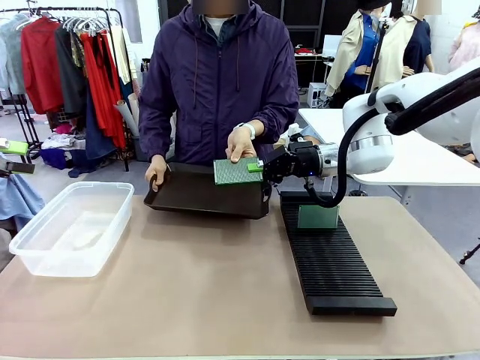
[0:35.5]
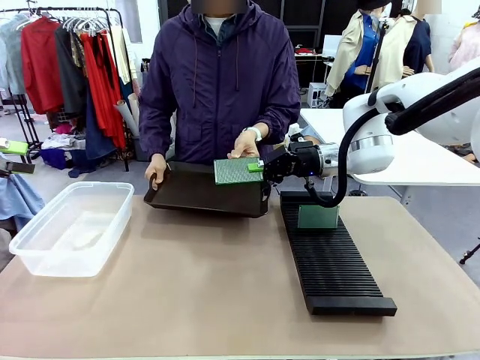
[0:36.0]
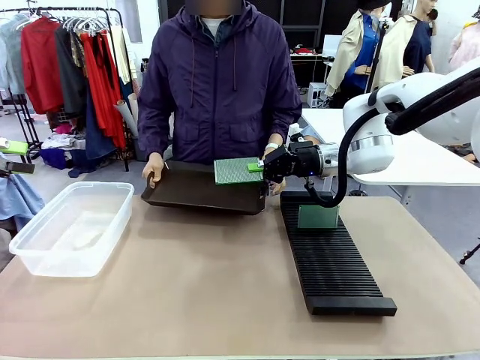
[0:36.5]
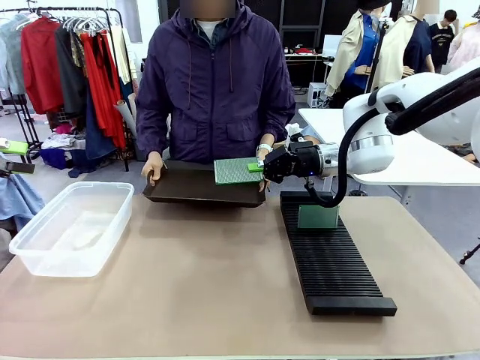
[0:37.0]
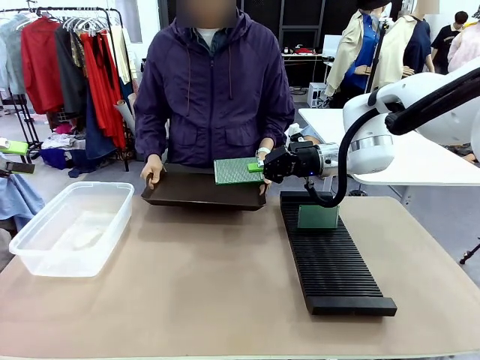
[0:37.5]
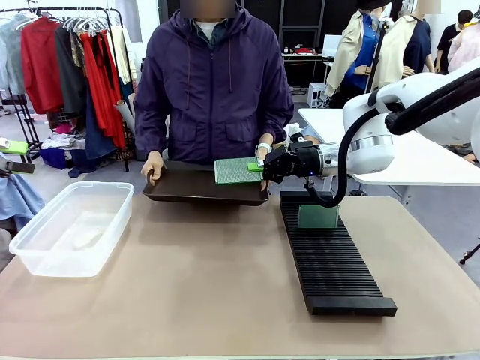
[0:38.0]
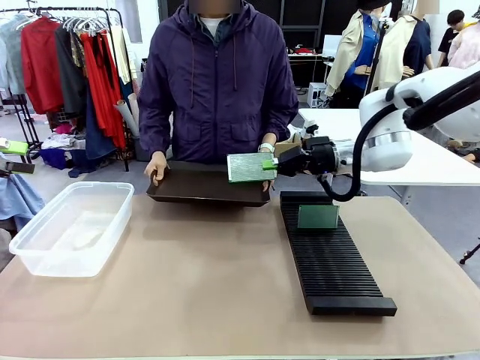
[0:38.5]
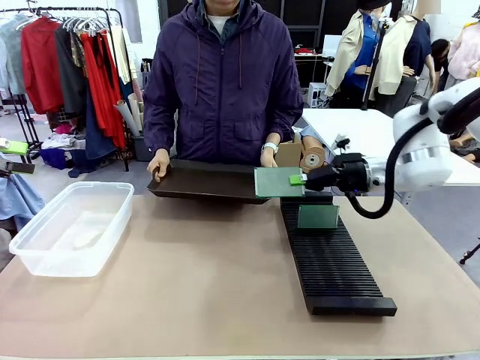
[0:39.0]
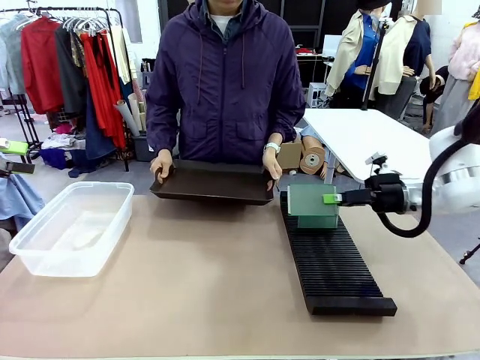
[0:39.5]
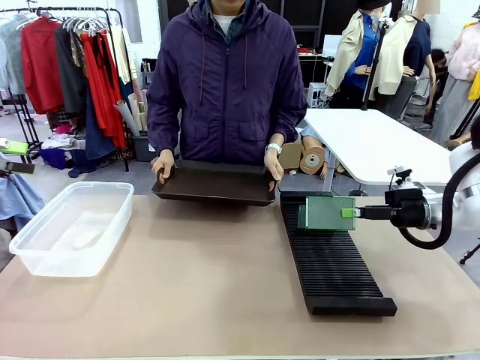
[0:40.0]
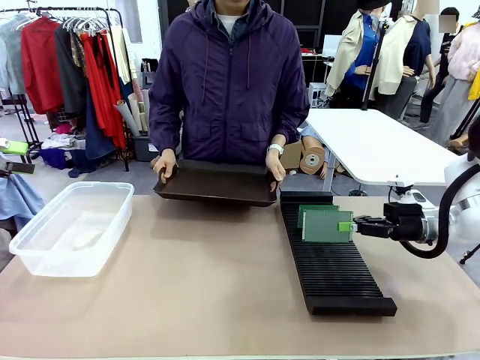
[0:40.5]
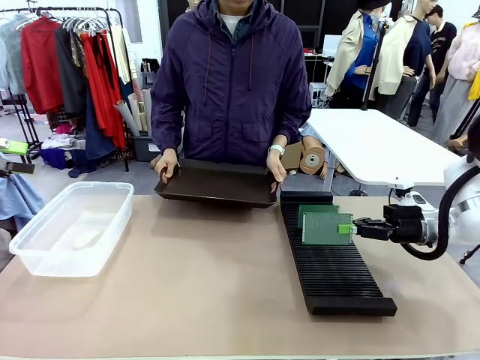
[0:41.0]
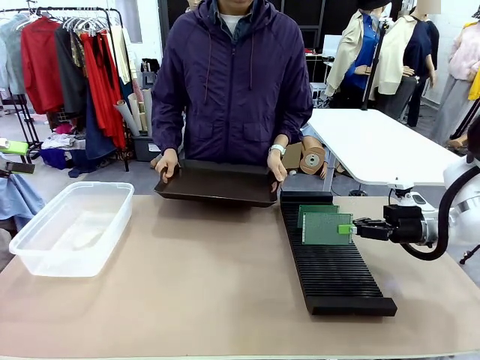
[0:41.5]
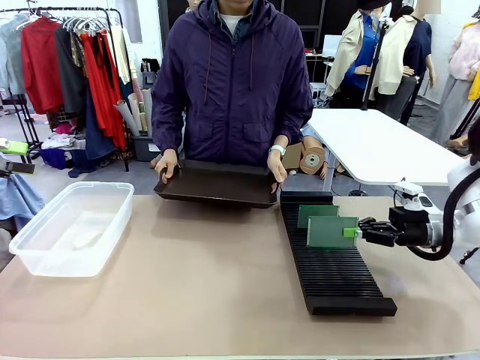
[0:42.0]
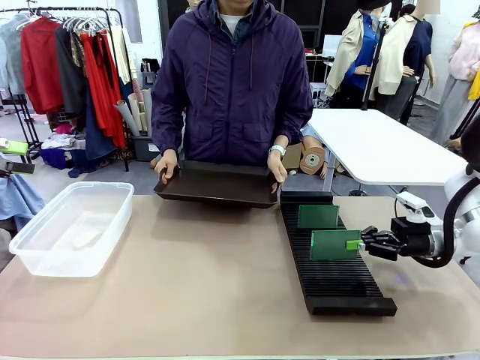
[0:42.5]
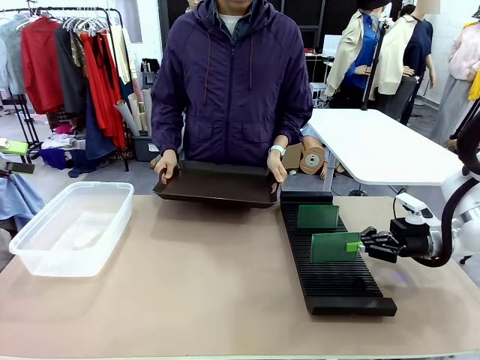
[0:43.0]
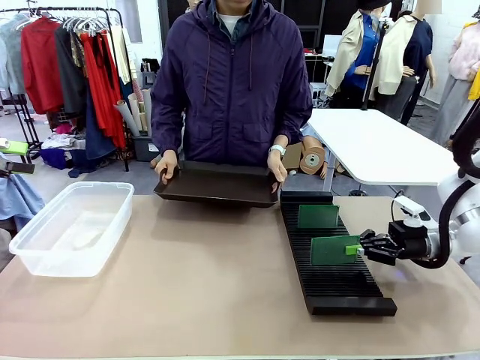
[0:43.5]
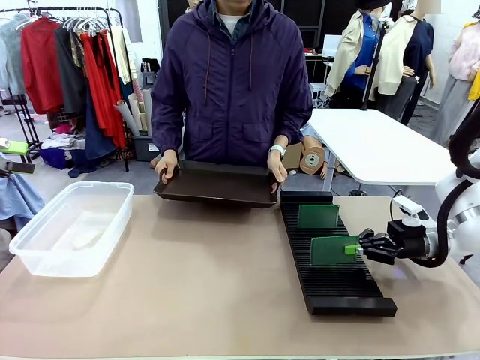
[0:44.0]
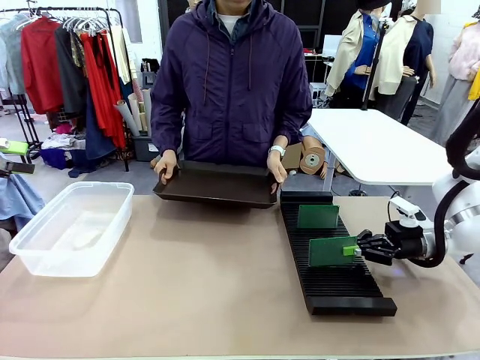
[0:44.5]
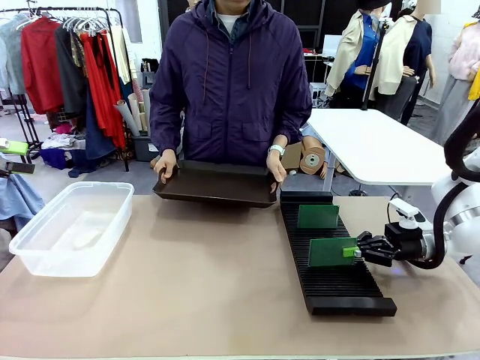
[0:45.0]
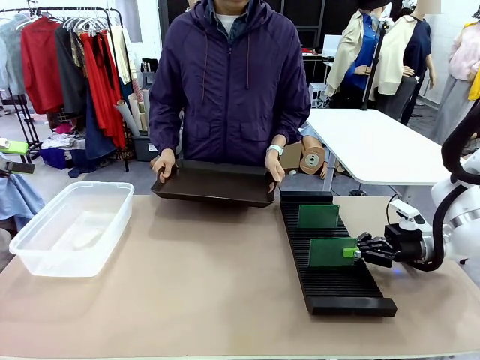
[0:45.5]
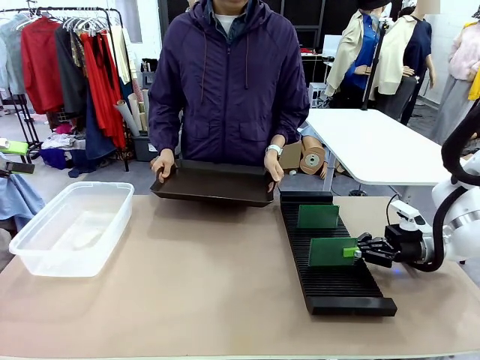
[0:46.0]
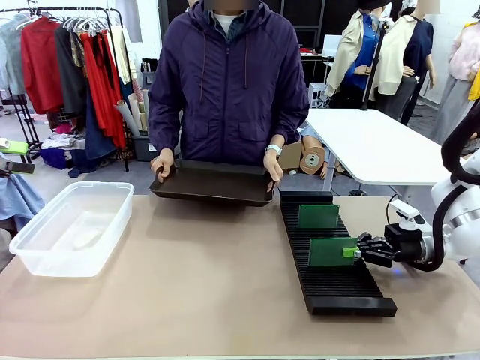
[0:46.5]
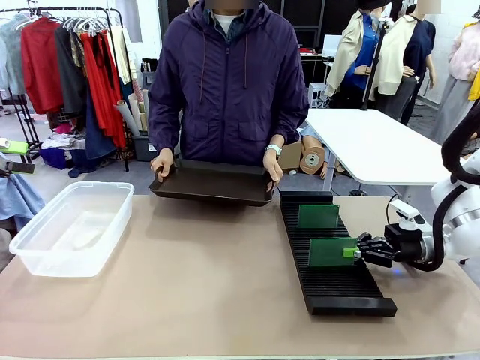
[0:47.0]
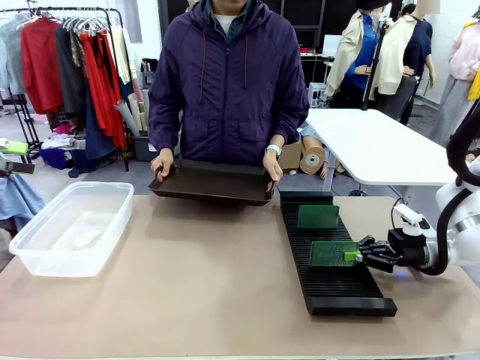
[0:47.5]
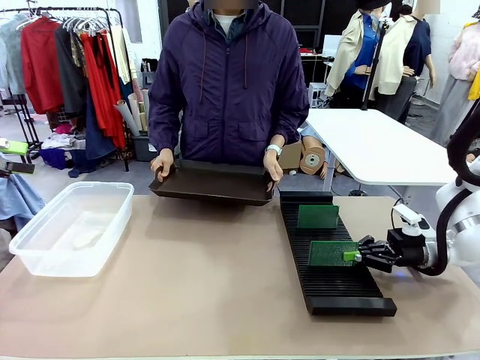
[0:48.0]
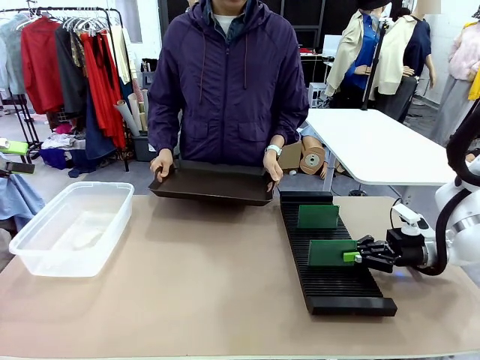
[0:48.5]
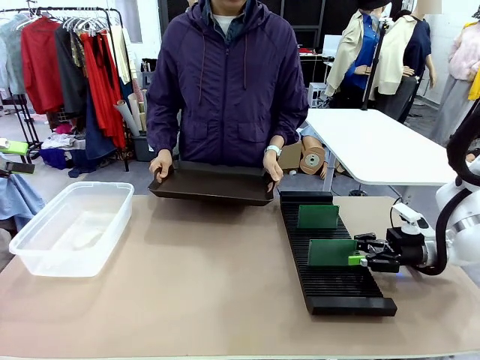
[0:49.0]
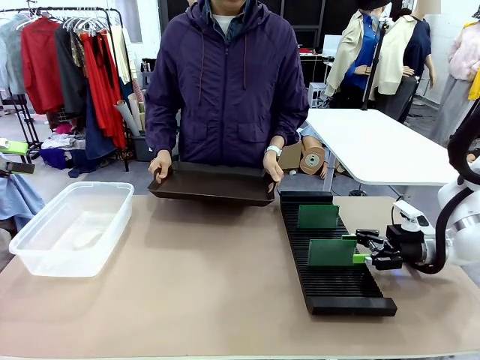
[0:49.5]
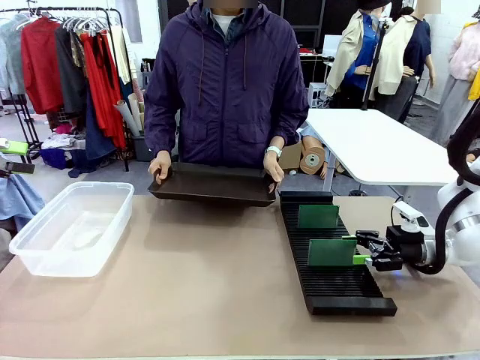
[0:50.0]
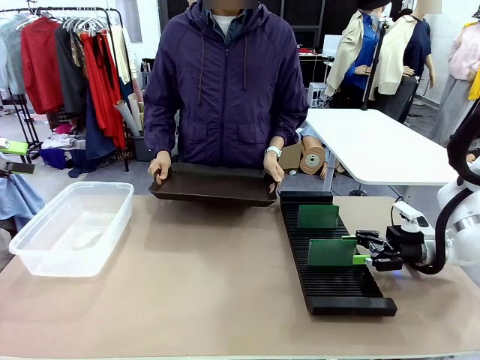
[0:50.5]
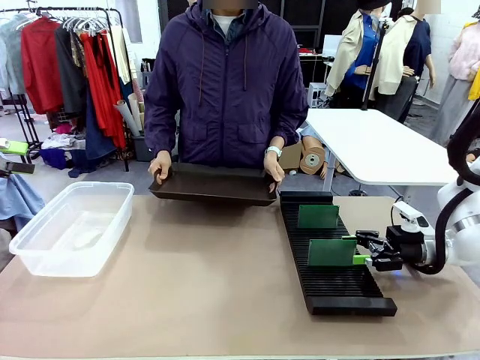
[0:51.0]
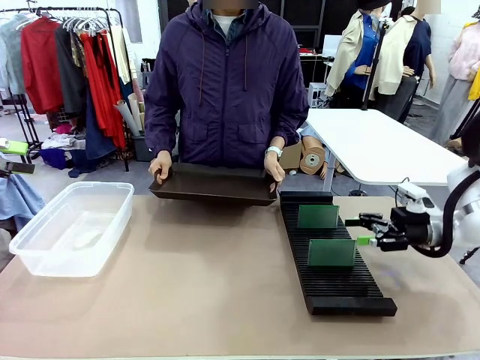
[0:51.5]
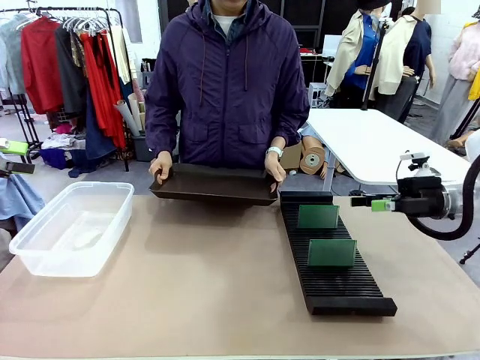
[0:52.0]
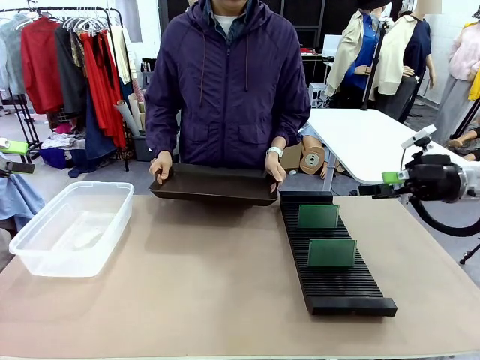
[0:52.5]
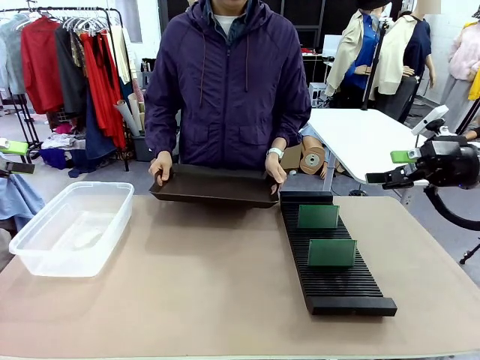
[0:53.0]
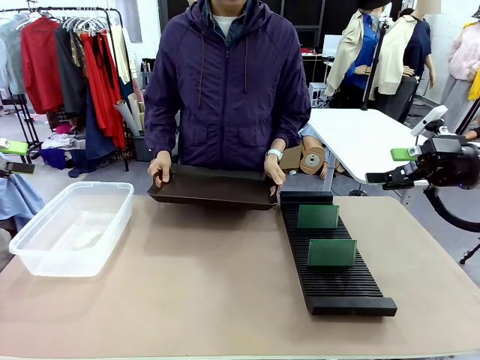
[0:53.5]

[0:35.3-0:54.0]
Task: Sort PCBs into racks and boxes based on the side picked up.
Robot: If the short side of the Blank PCB is picked up, insert it into the PCB Rack ; if the long side is picked up, place it in the Organizing box.
Person: Release the PCB being held.

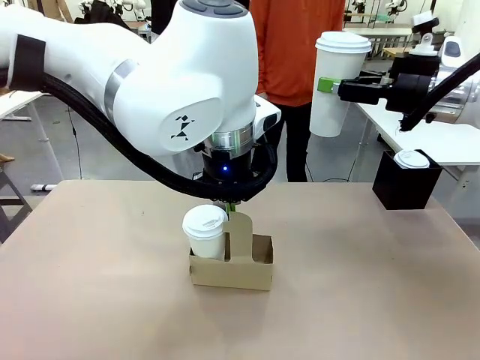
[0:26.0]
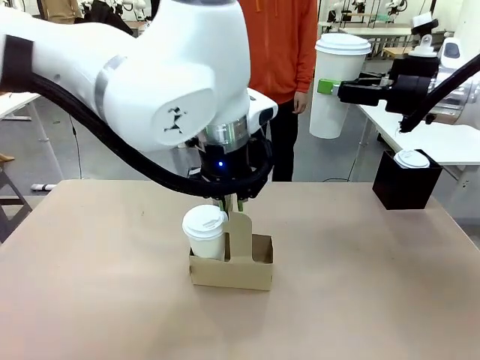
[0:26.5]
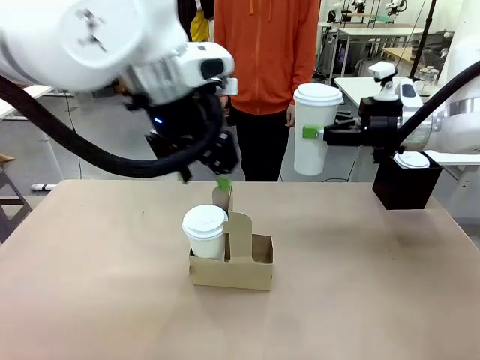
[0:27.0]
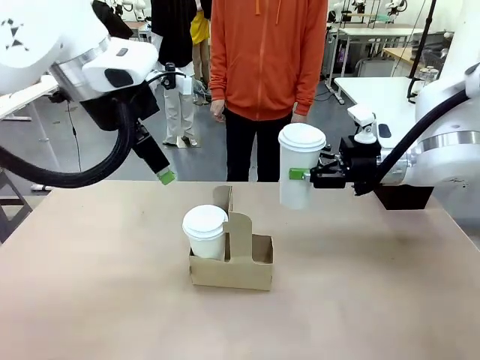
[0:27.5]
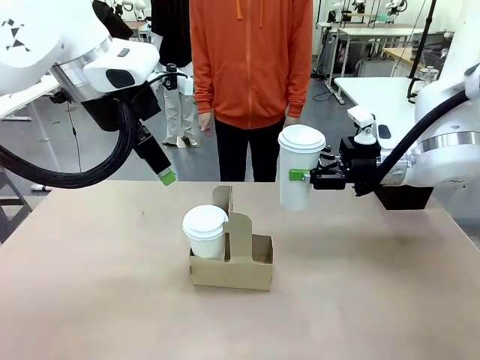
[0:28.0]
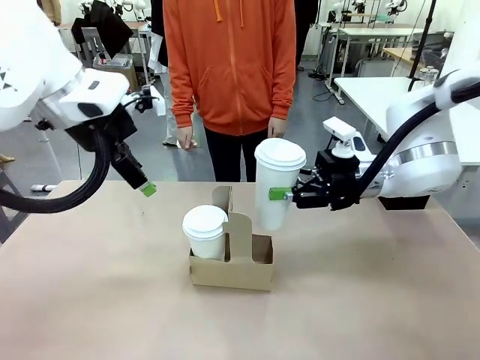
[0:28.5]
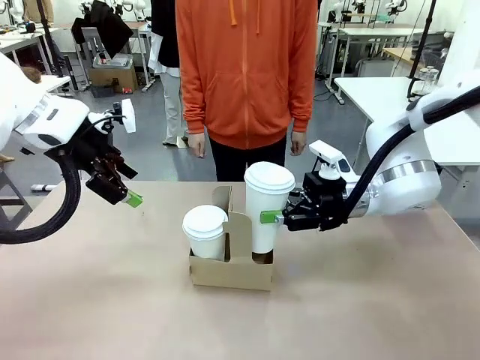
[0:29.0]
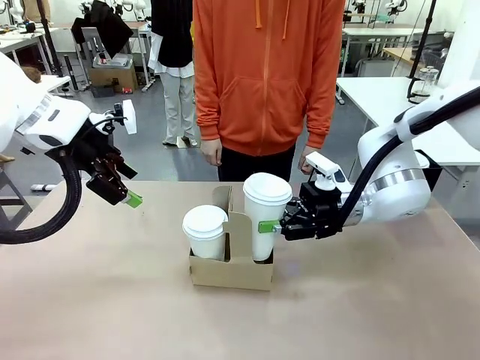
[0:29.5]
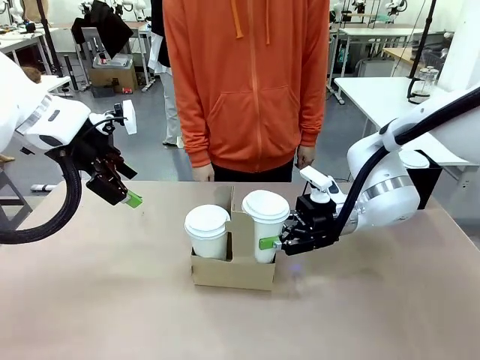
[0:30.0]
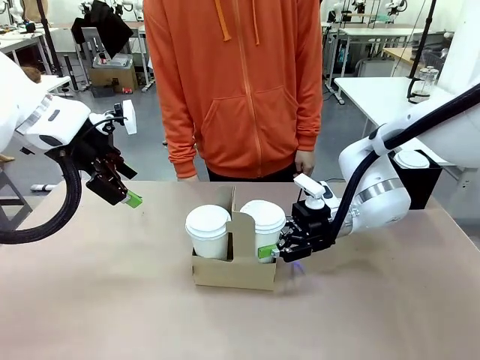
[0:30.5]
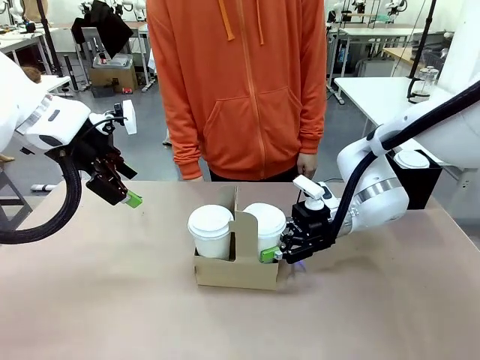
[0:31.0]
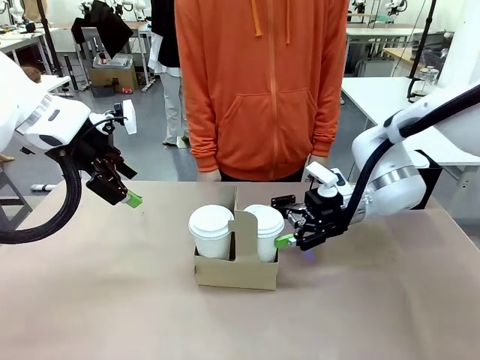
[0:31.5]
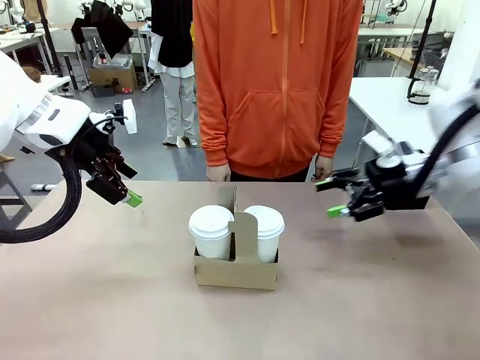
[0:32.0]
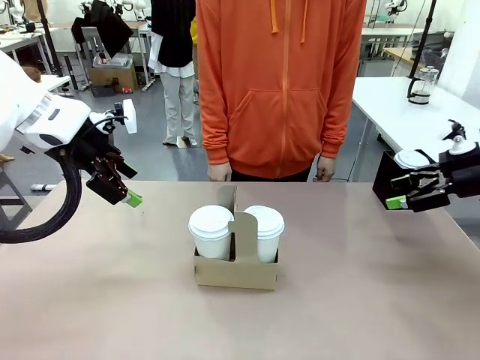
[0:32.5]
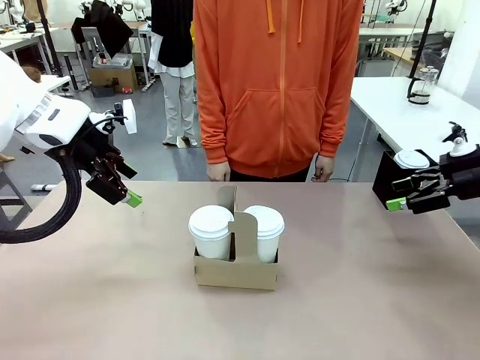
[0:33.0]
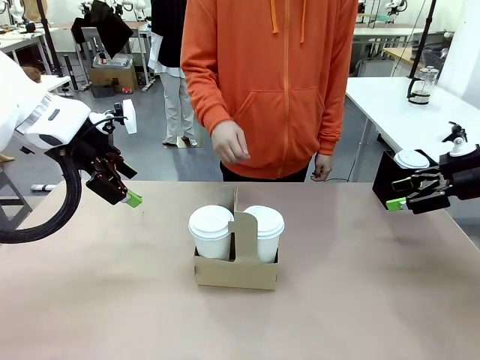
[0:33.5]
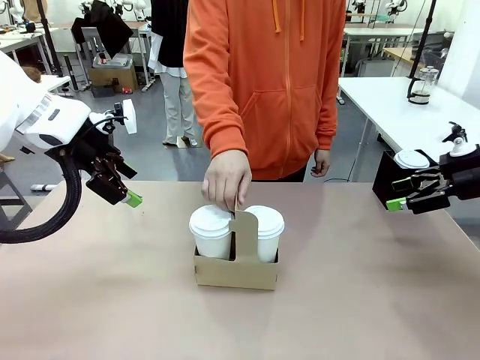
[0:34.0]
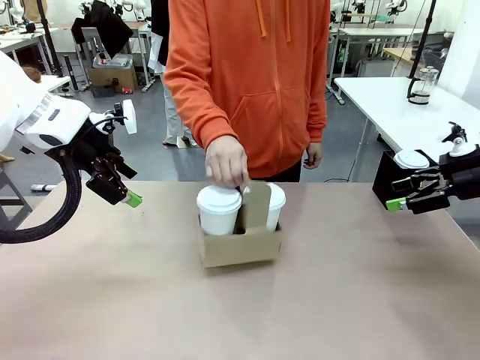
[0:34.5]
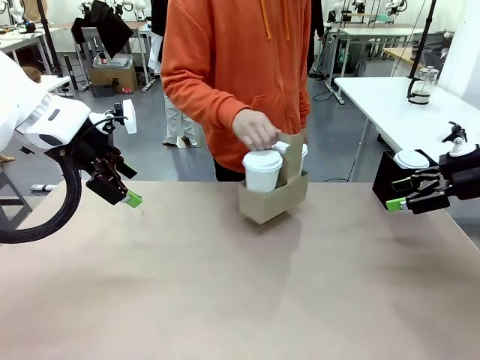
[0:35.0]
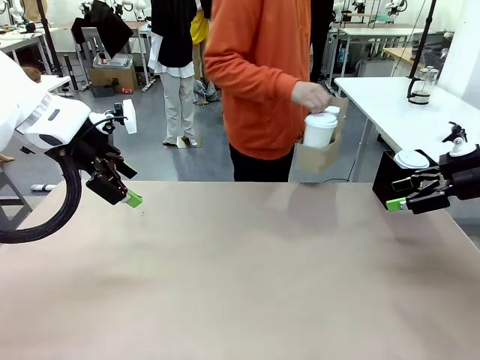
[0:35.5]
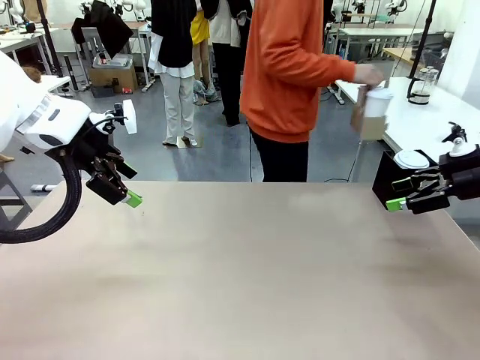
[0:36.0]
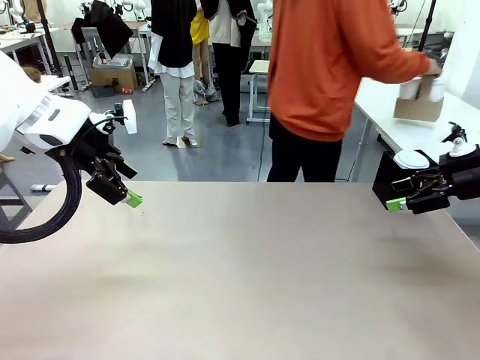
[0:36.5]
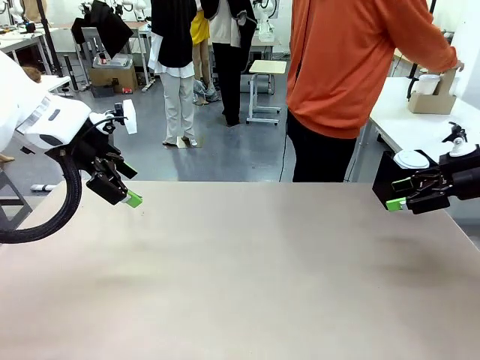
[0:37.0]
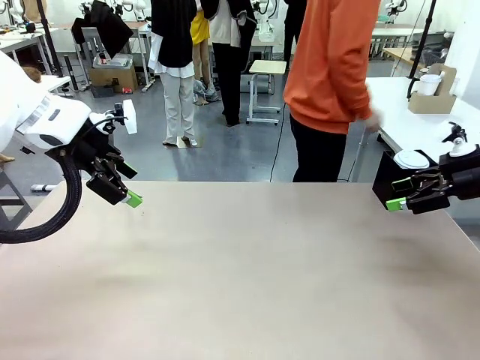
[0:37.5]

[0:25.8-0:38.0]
Task: Pour a drink into a cup and package it in a carrier.
Robot: Insert the held 600 ml Paper Cup into the Cup Carrier.
Person: Place the Cup Carrier to the middle of Human table.
